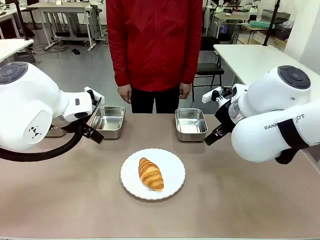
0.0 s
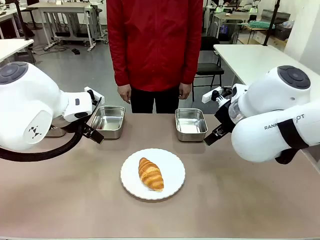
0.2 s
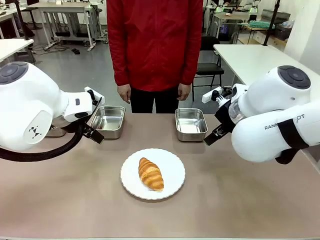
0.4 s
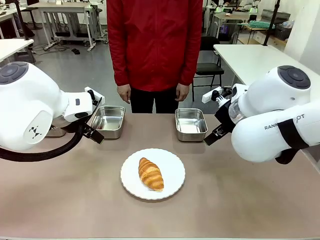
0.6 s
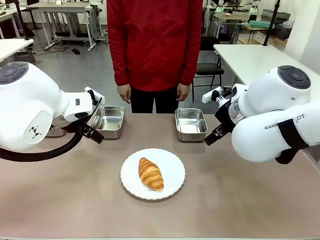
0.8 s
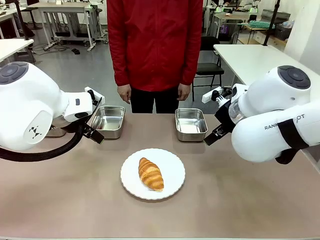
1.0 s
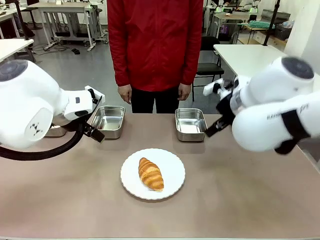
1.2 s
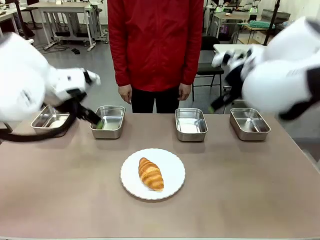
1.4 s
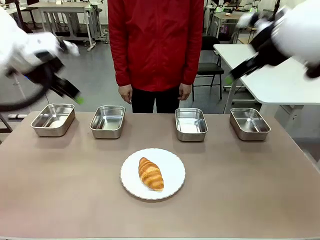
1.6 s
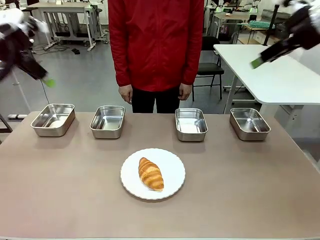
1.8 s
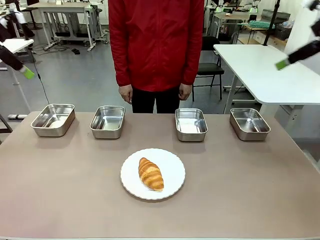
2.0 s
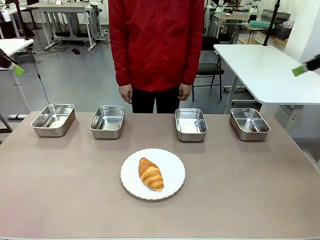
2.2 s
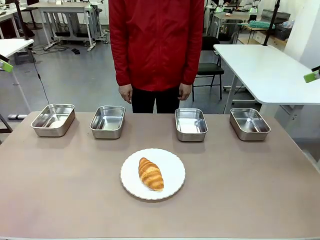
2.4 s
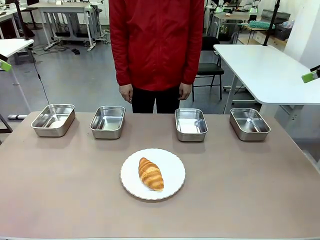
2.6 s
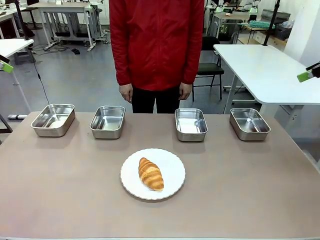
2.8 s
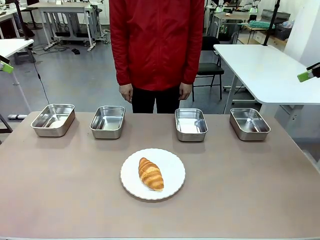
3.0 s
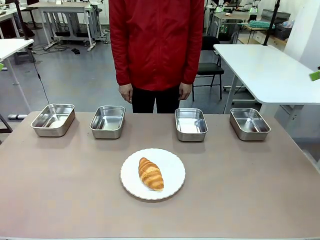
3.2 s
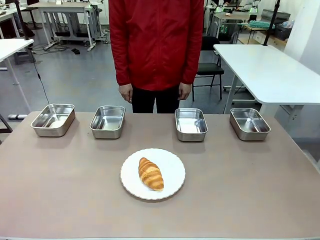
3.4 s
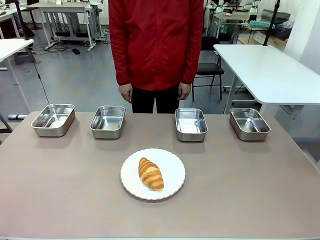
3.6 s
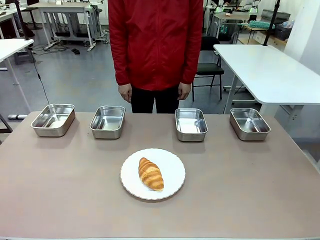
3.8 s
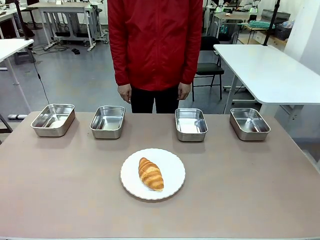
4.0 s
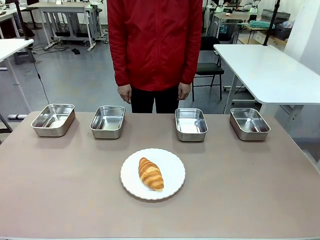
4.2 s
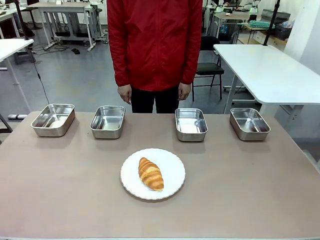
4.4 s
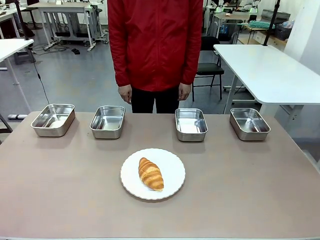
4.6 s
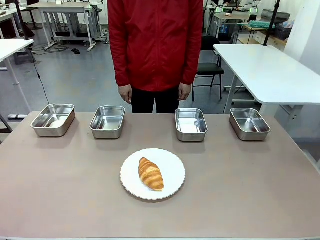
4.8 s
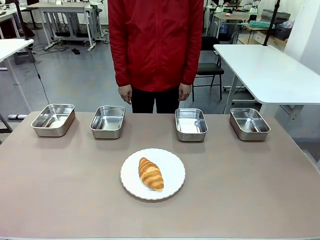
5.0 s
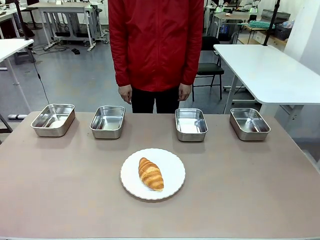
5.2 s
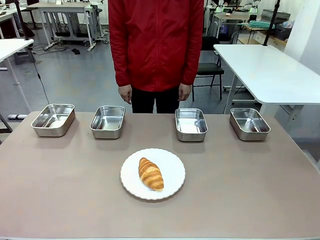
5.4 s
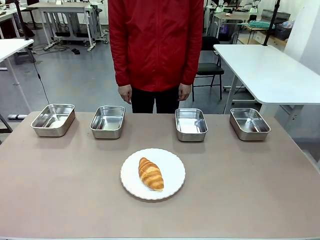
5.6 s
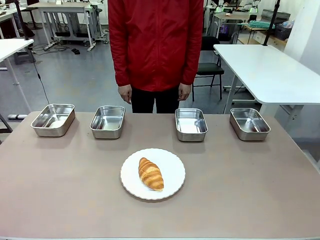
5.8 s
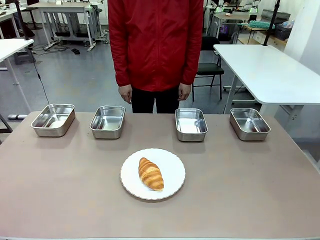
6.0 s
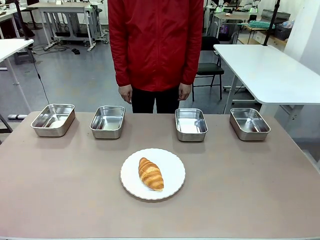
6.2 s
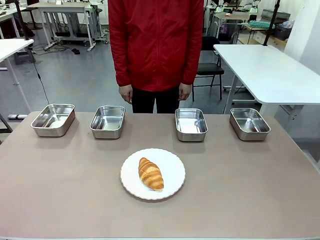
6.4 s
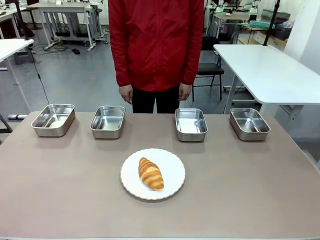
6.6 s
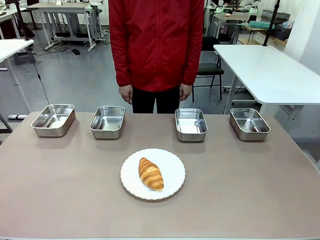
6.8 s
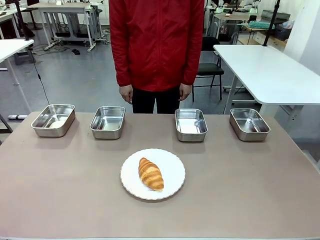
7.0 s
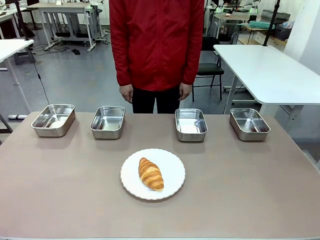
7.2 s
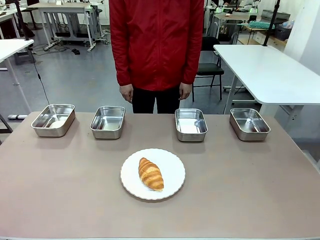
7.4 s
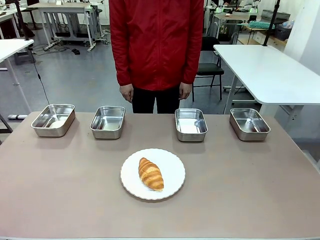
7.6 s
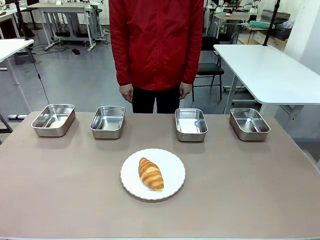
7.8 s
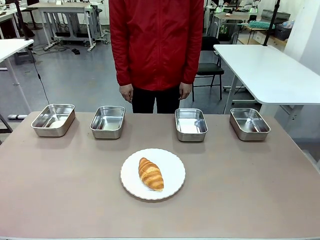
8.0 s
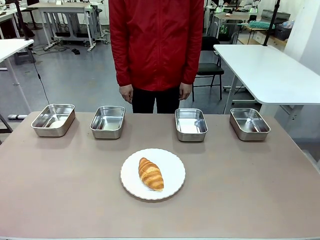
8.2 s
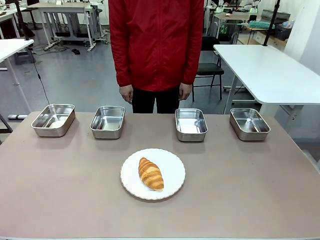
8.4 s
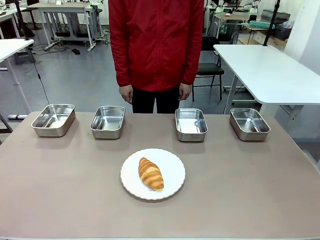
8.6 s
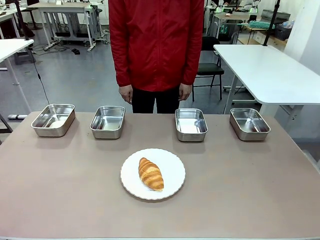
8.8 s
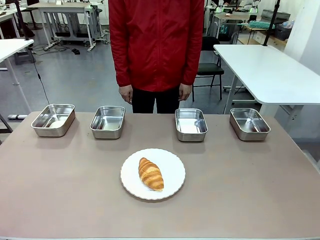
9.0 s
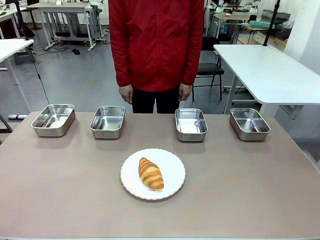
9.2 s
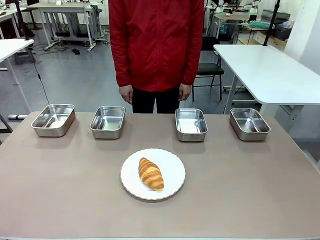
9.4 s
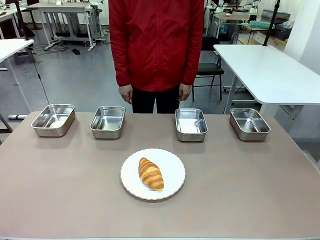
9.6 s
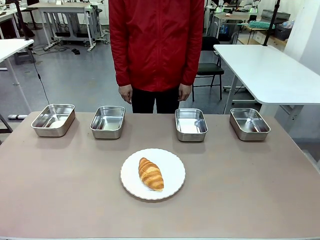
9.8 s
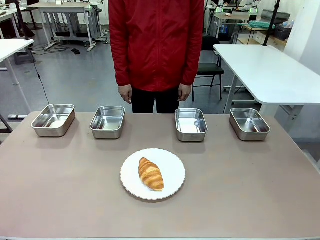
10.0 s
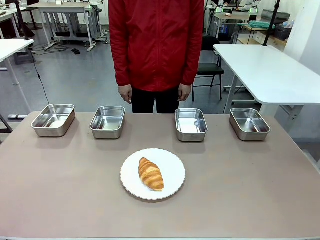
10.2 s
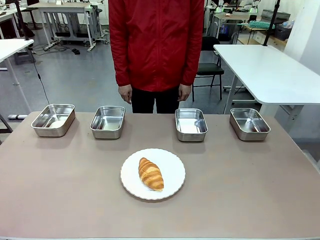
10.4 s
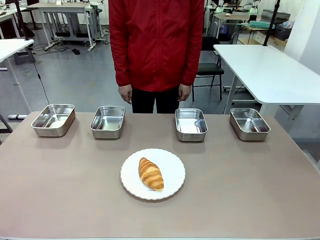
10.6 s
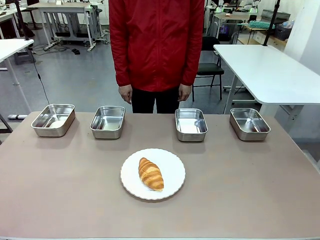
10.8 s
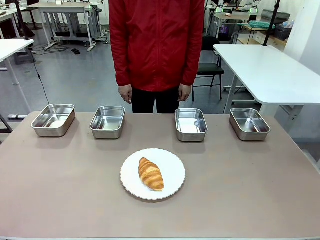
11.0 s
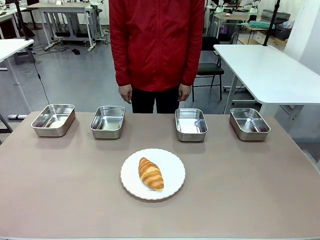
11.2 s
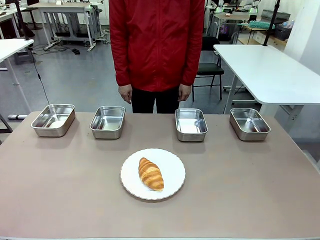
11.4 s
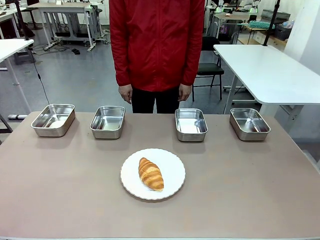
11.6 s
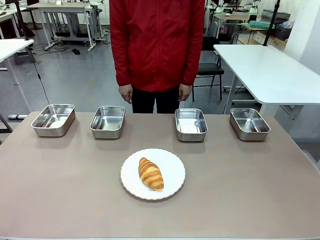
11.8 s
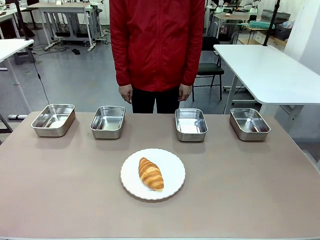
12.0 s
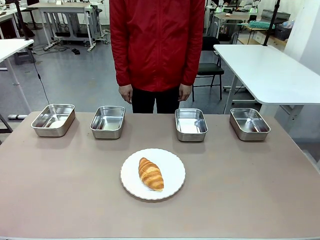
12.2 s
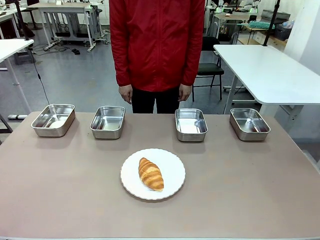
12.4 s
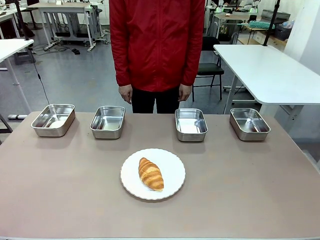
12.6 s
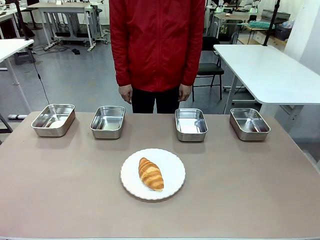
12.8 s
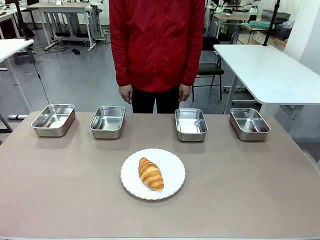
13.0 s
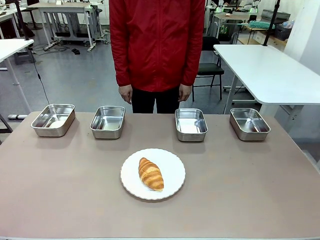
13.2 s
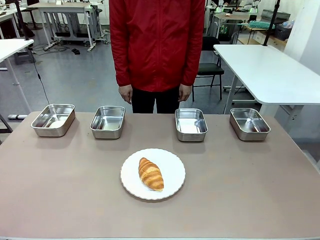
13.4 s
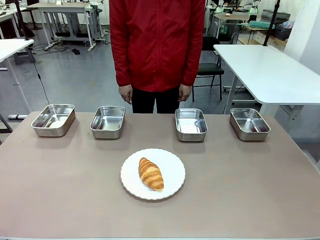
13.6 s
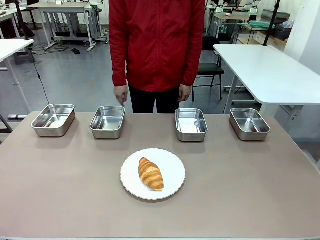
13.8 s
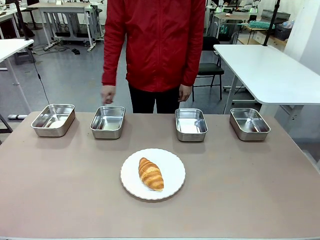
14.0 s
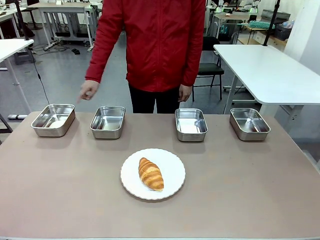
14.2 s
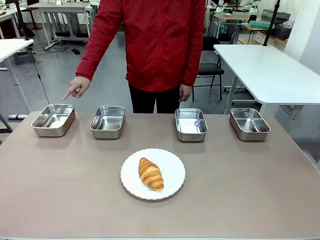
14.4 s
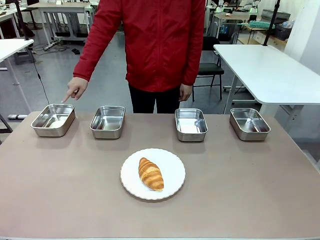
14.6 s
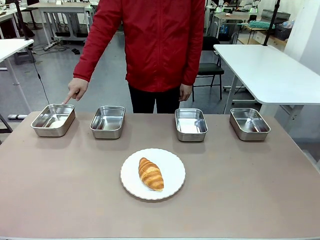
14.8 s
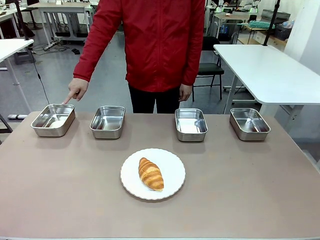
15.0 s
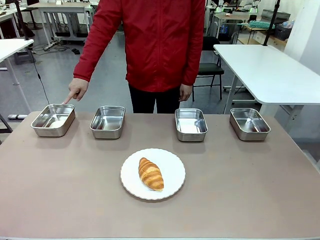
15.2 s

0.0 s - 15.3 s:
Task: Place the bread in the container.
Robot: Place the Butter Roll into the Airtight Container indicated by the human.
